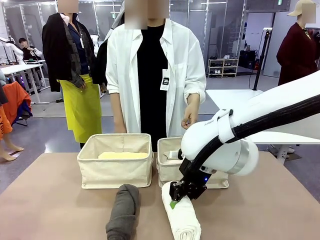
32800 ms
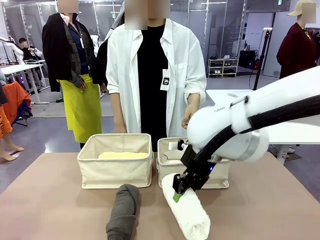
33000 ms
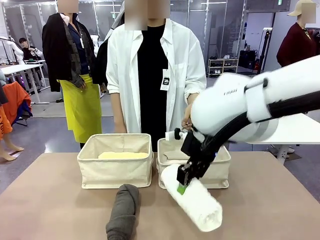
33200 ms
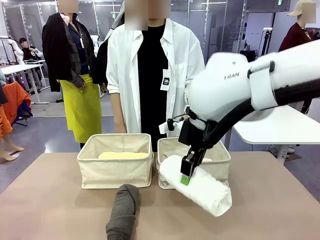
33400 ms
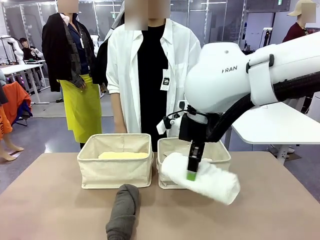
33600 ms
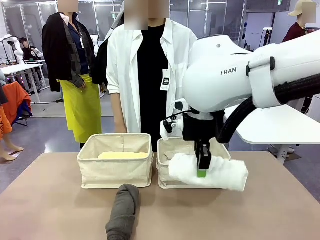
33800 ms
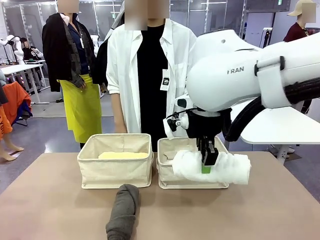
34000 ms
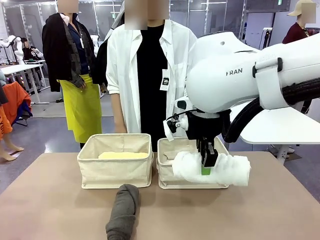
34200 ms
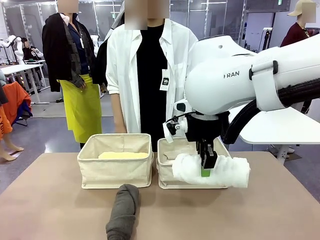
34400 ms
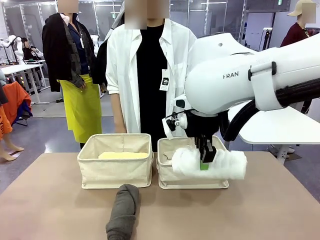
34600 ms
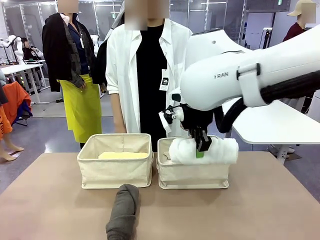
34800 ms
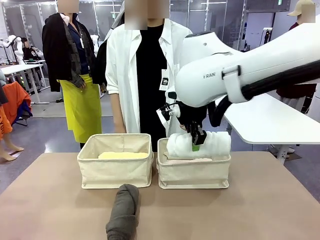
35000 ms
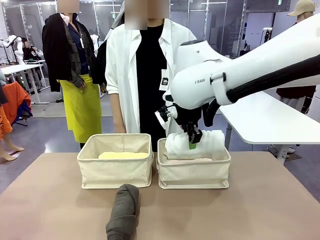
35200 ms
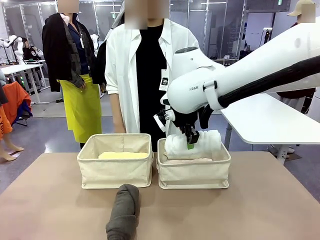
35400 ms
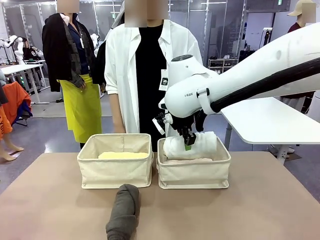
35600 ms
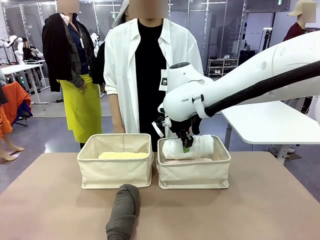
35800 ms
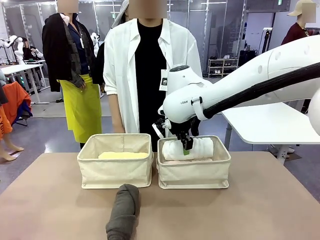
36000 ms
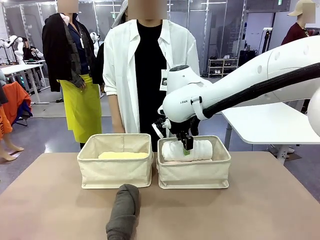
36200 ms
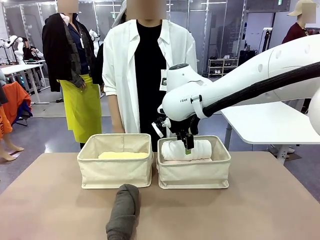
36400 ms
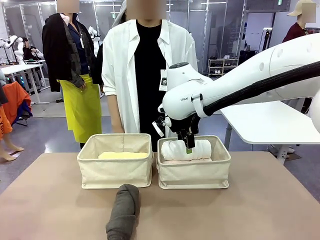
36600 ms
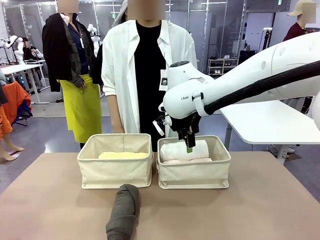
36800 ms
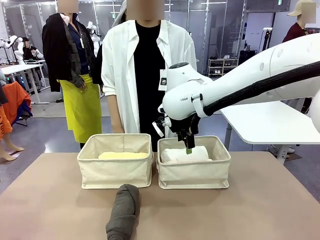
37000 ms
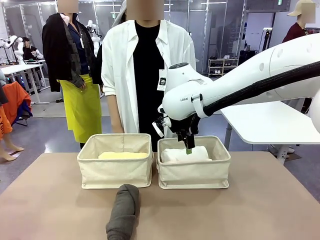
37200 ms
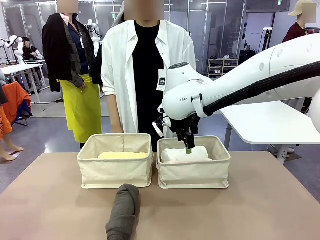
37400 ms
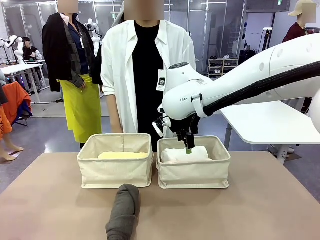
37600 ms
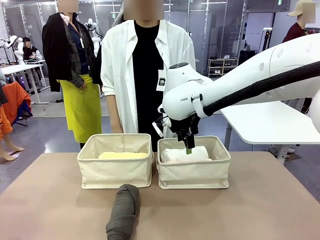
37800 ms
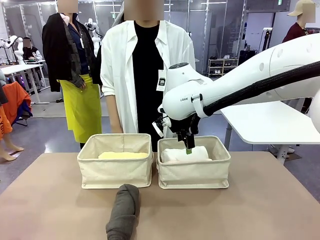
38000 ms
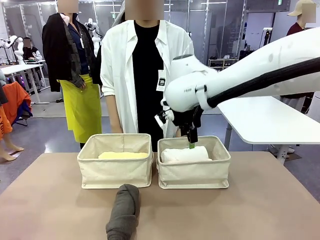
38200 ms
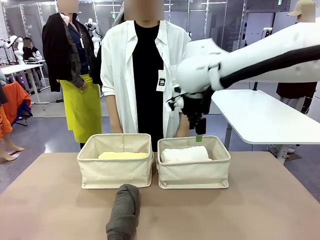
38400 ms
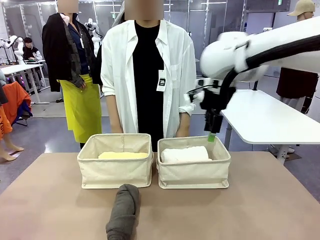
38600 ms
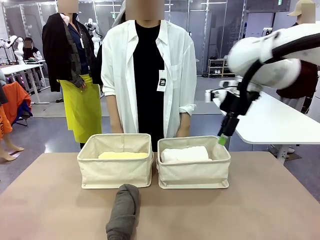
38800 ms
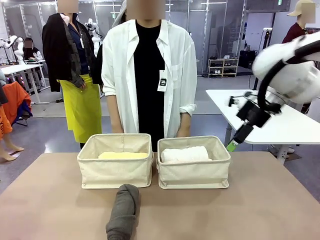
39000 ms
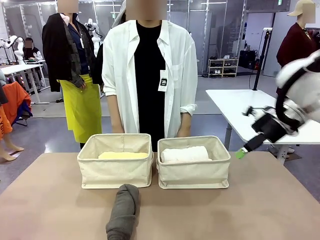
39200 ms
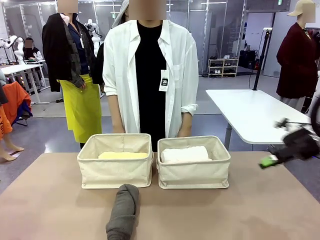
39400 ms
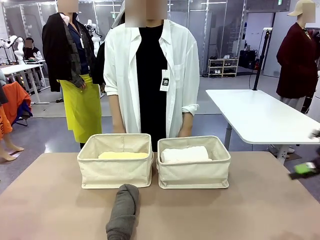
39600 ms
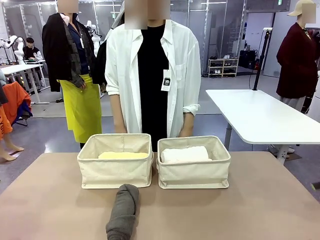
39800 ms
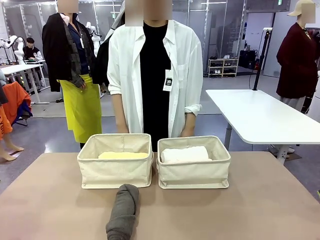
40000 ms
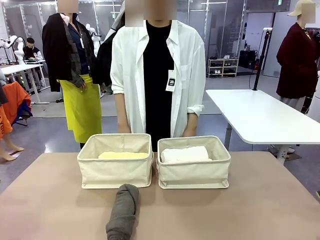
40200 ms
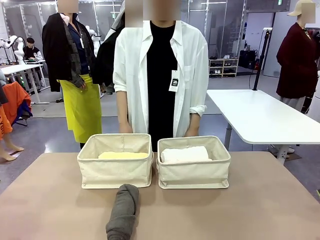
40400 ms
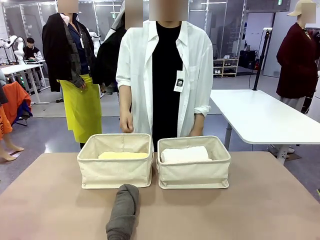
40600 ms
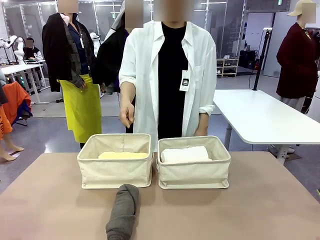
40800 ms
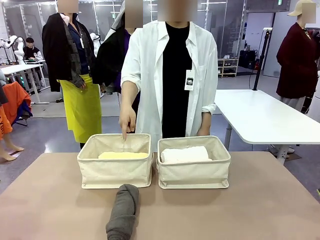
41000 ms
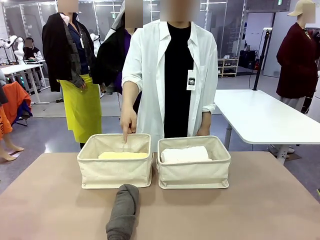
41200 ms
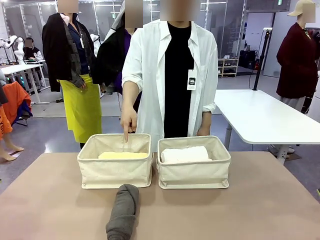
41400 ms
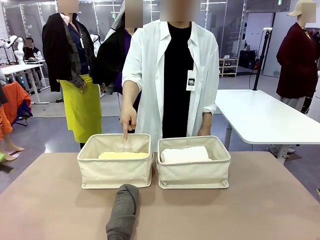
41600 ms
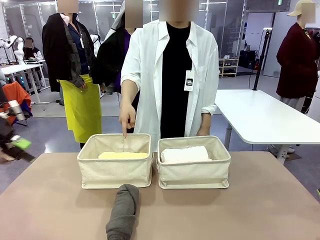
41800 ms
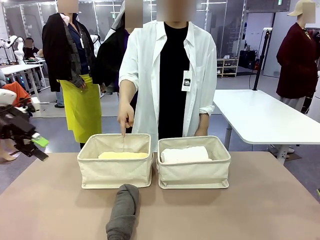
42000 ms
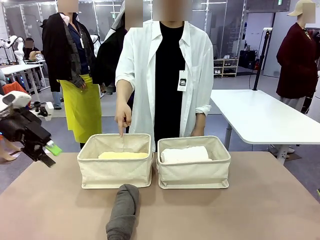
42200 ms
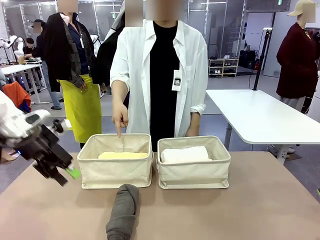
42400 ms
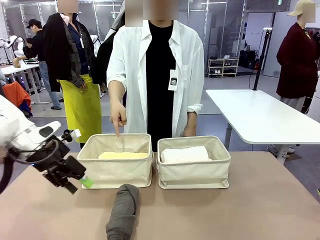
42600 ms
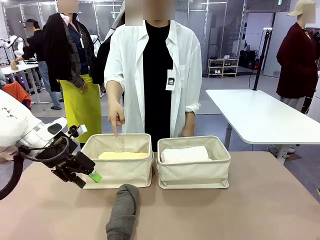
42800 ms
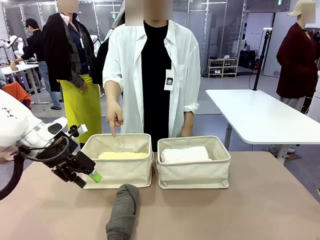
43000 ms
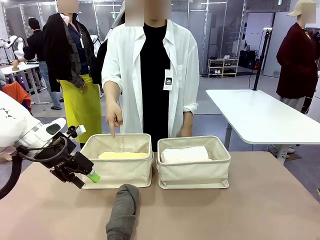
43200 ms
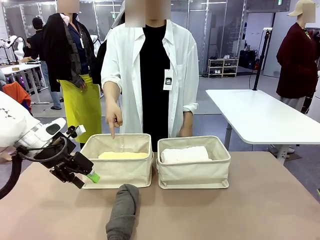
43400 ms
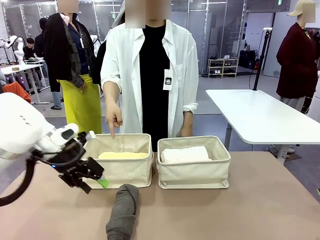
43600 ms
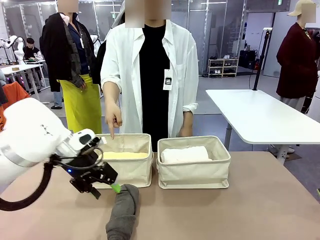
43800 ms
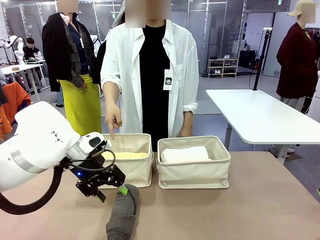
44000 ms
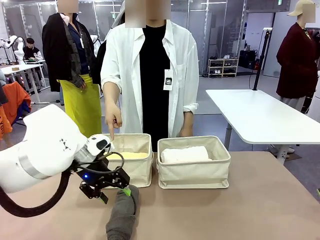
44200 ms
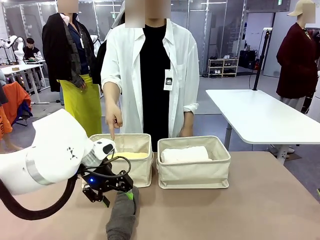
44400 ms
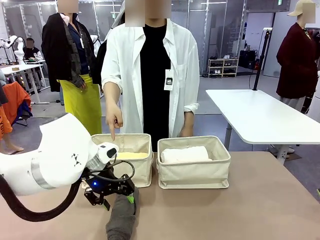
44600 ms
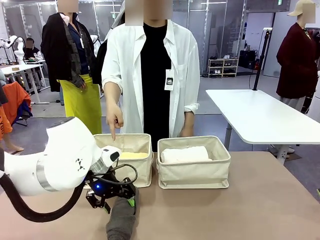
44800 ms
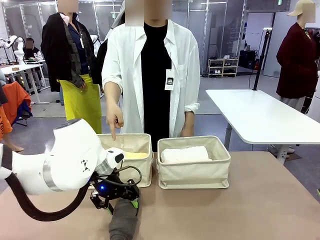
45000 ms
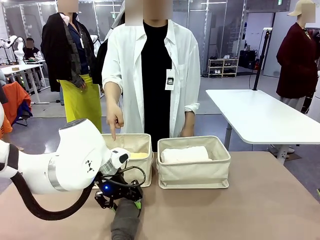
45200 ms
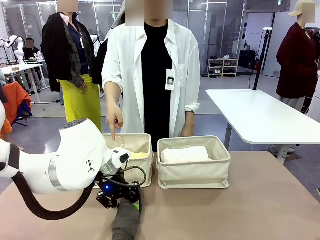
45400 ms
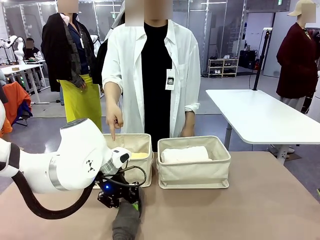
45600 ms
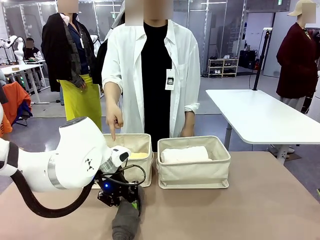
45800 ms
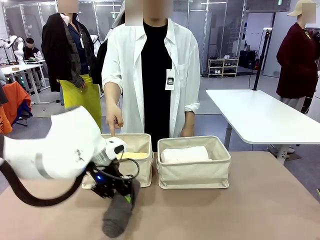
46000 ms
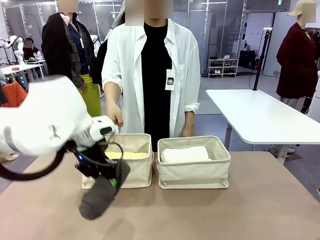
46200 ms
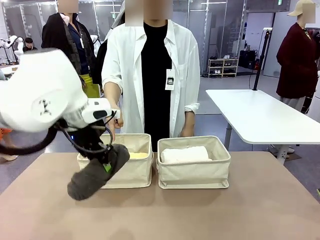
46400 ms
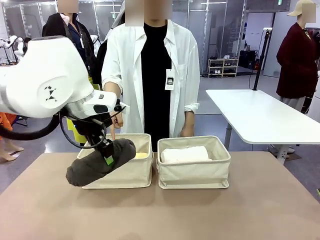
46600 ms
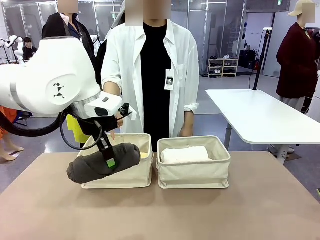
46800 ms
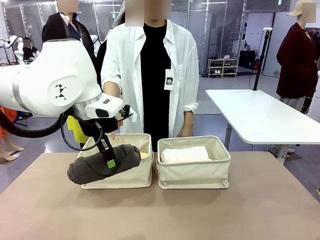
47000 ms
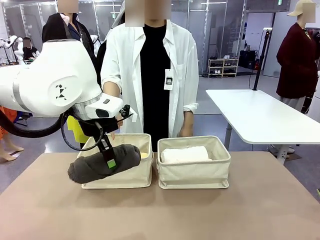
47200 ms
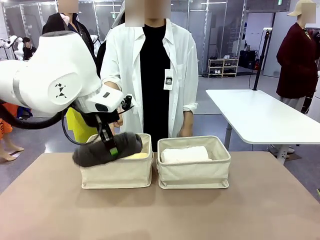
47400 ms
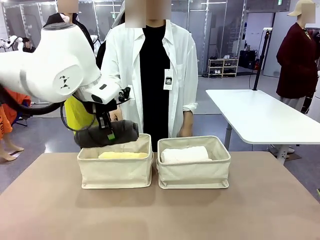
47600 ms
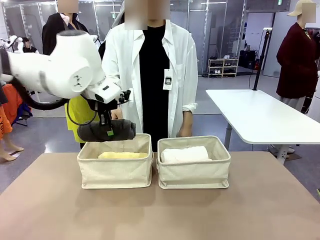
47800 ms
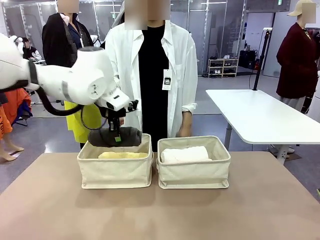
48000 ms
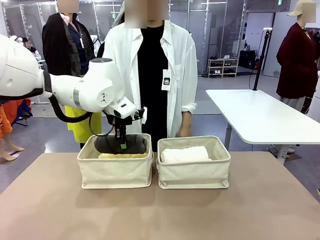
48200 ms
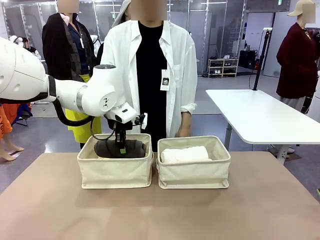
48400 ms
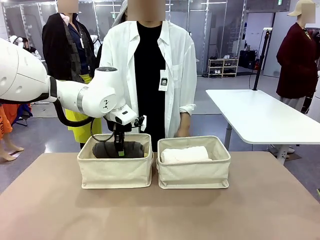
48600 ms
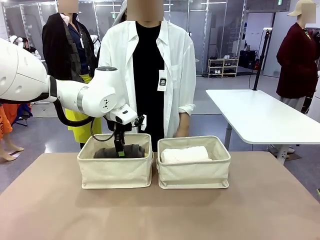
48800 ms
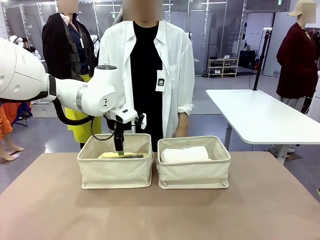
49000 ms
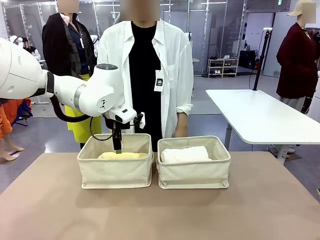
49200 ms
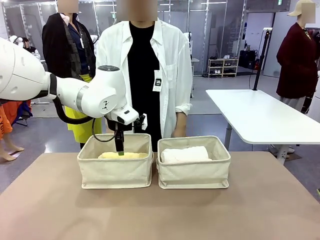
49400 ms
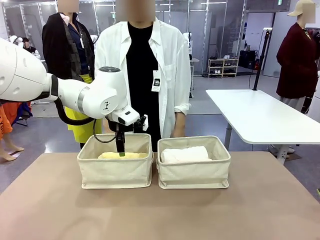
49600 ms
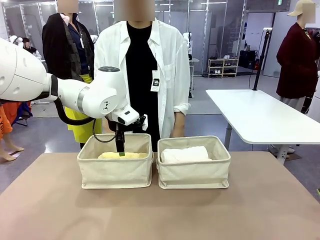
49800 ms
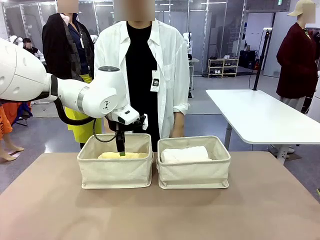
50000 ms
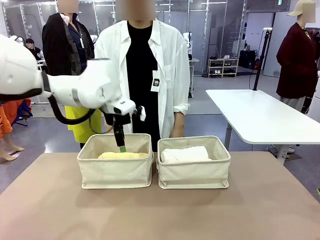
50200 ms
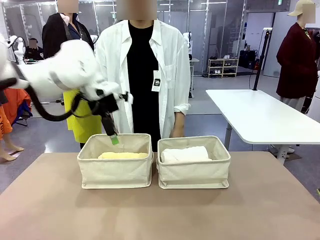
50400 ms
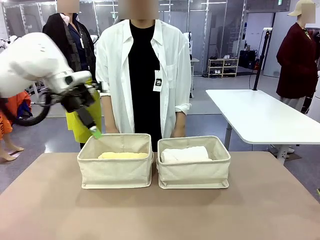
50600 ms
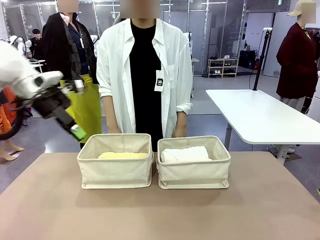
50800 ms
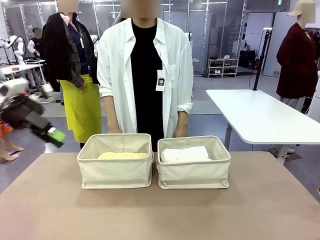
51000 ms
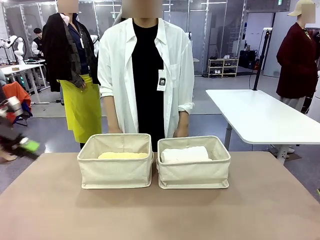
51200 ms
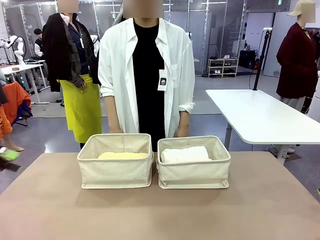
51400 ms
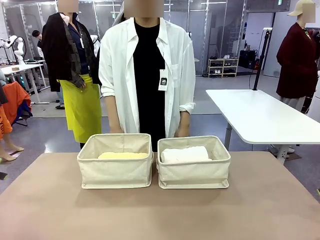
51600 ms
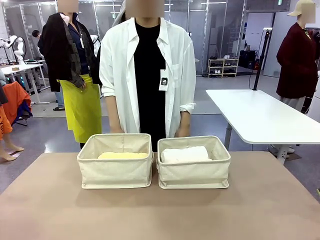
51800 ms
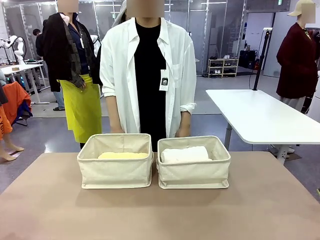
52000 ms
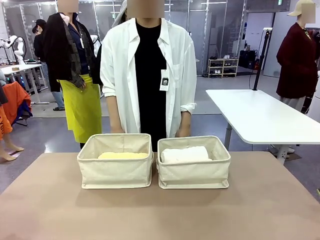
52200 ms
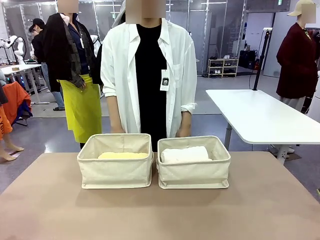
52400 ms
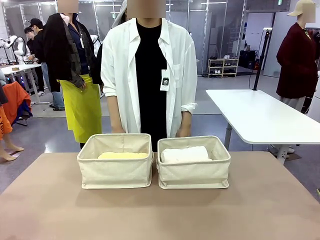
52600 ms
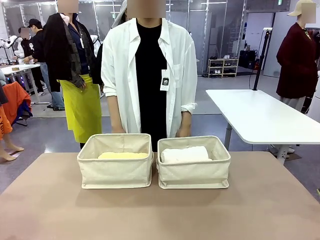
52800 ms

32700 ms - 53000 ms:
Task: Divide the towels into two baskets.
Robot: Pick up one hotel-folded towel from the bottom of the table and place it in the Fabric basket indicated by the person.
